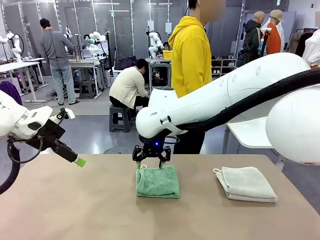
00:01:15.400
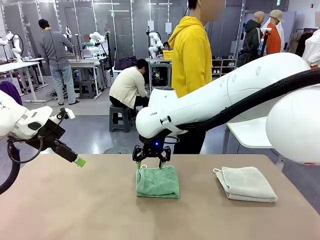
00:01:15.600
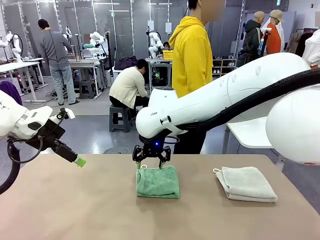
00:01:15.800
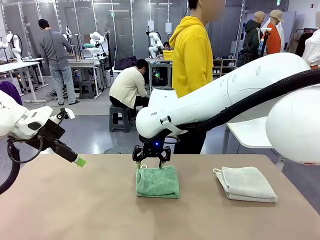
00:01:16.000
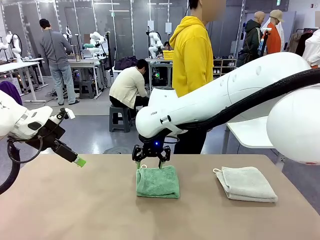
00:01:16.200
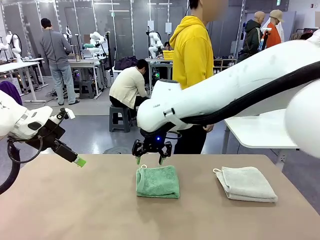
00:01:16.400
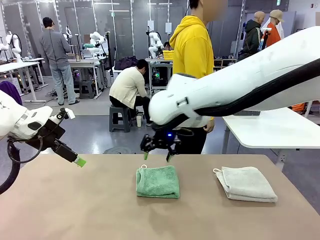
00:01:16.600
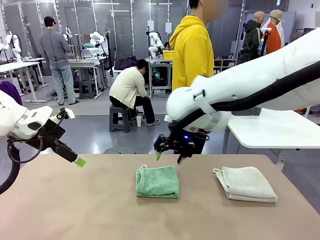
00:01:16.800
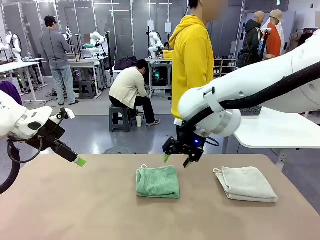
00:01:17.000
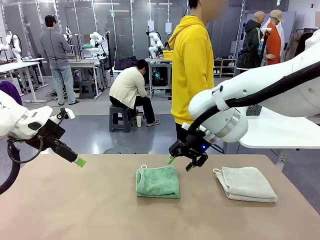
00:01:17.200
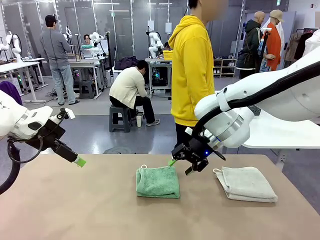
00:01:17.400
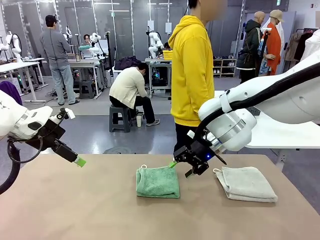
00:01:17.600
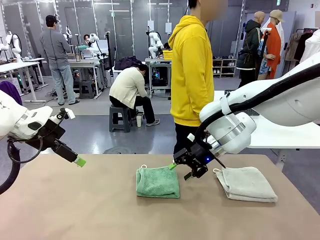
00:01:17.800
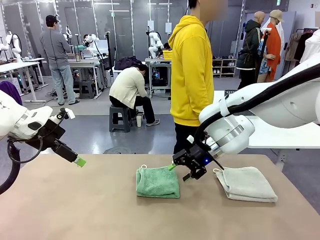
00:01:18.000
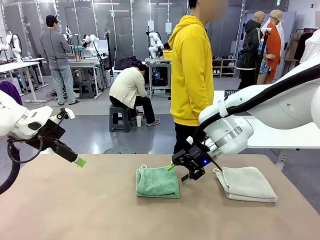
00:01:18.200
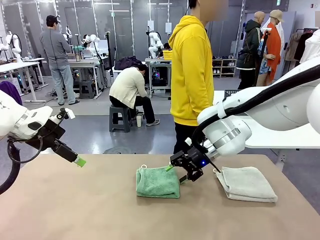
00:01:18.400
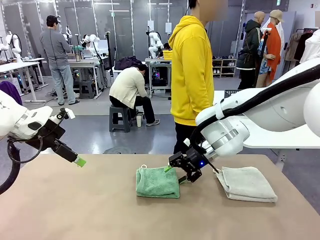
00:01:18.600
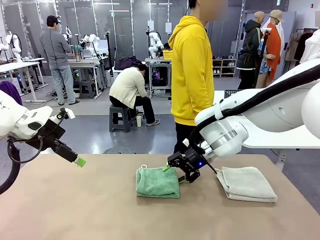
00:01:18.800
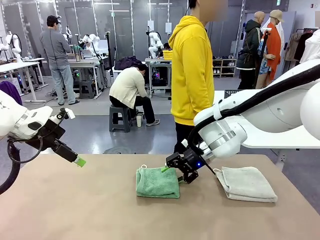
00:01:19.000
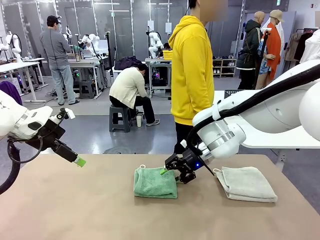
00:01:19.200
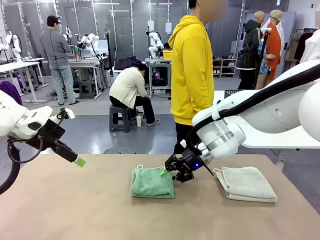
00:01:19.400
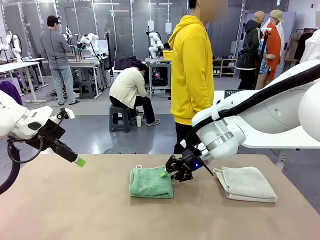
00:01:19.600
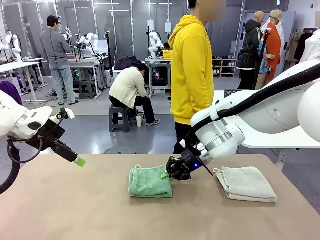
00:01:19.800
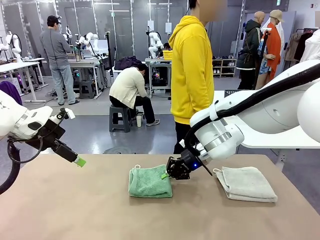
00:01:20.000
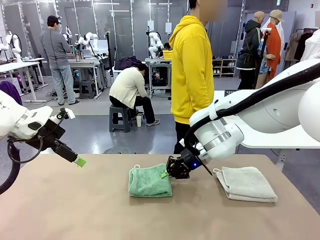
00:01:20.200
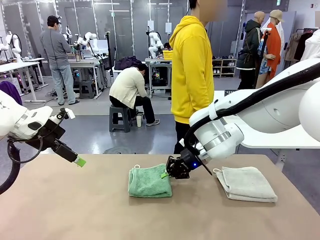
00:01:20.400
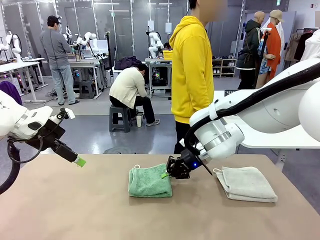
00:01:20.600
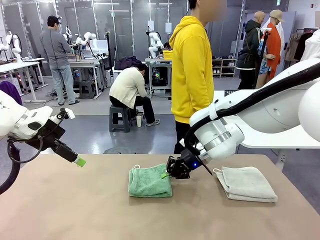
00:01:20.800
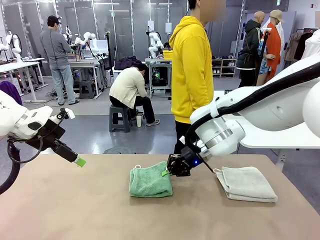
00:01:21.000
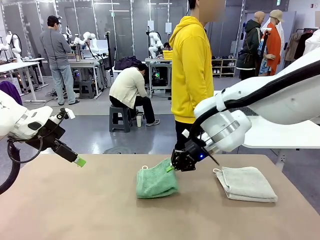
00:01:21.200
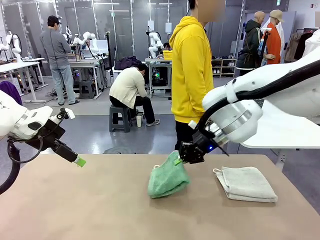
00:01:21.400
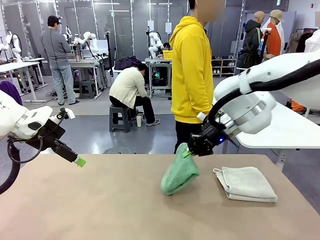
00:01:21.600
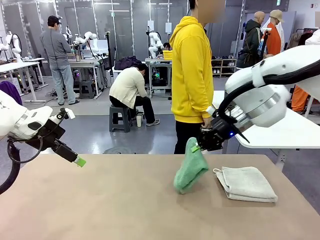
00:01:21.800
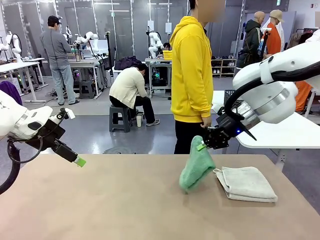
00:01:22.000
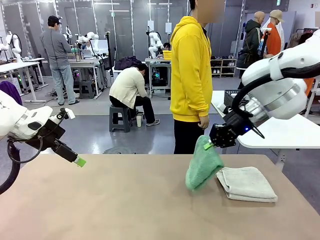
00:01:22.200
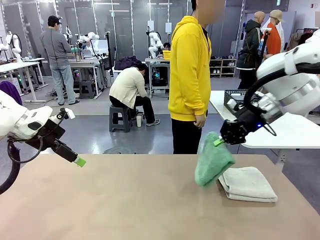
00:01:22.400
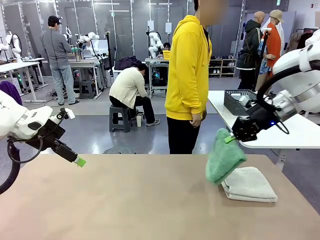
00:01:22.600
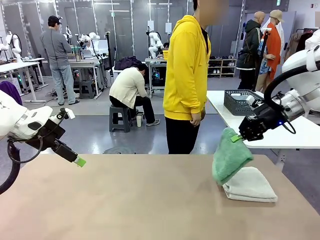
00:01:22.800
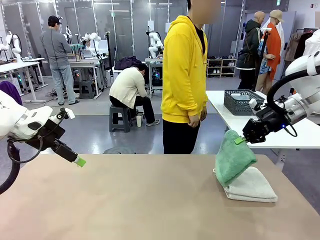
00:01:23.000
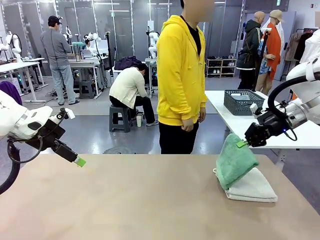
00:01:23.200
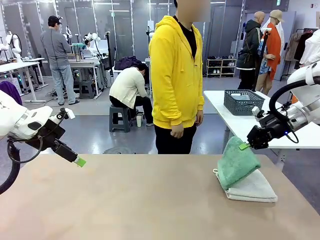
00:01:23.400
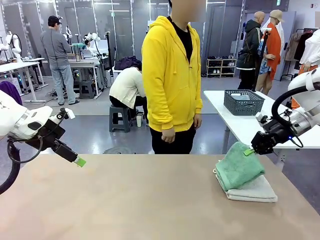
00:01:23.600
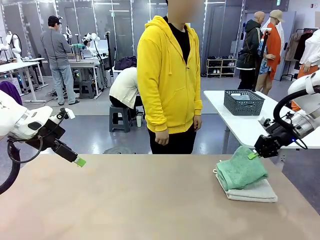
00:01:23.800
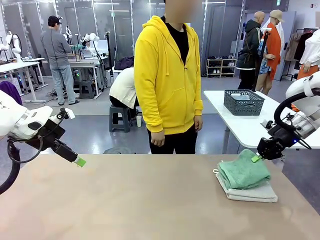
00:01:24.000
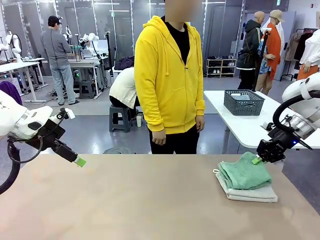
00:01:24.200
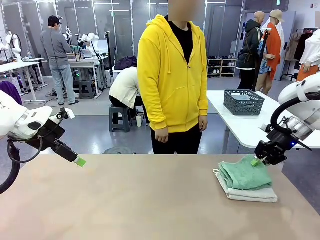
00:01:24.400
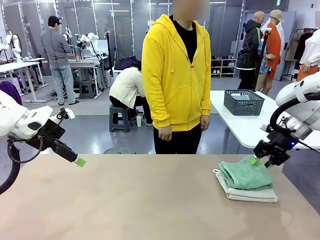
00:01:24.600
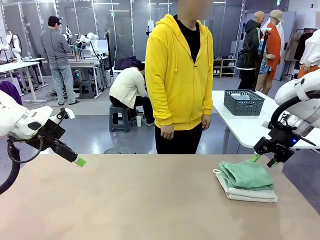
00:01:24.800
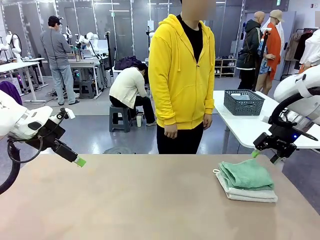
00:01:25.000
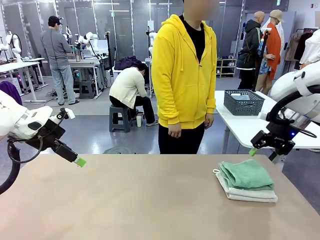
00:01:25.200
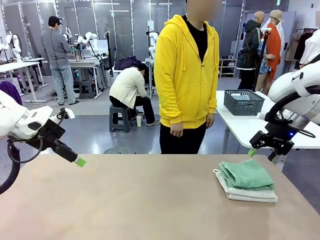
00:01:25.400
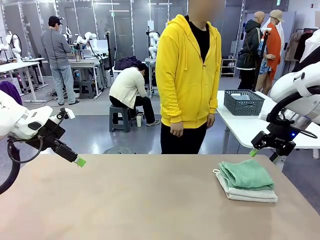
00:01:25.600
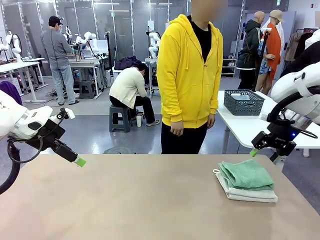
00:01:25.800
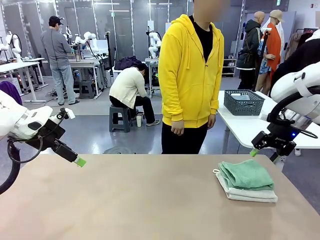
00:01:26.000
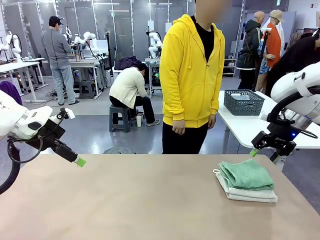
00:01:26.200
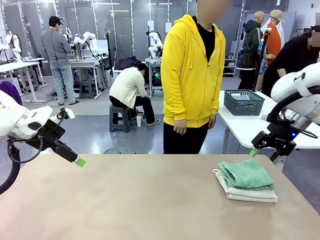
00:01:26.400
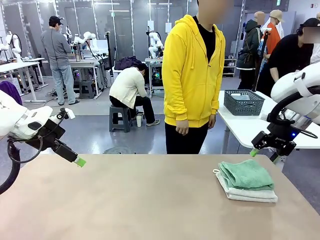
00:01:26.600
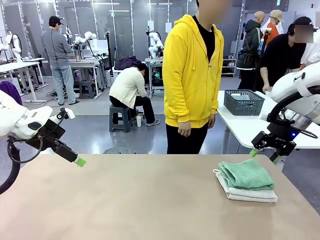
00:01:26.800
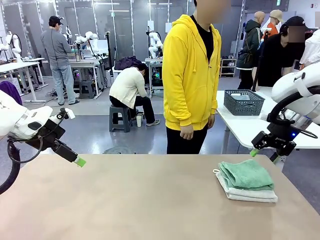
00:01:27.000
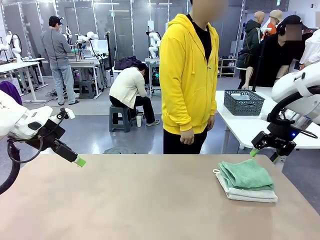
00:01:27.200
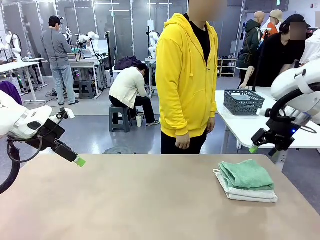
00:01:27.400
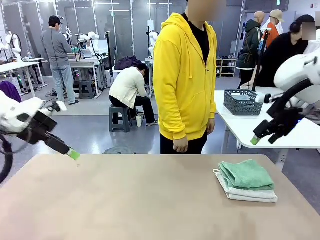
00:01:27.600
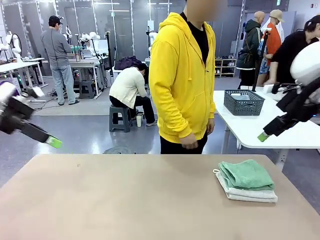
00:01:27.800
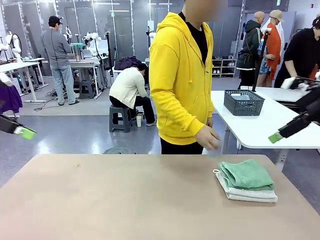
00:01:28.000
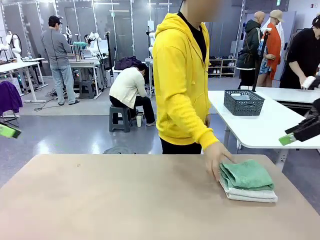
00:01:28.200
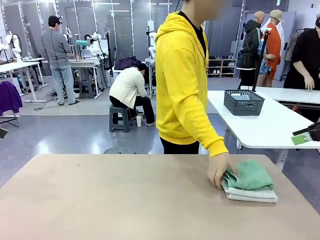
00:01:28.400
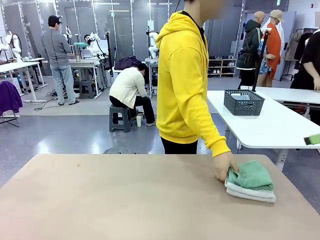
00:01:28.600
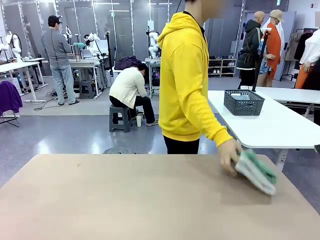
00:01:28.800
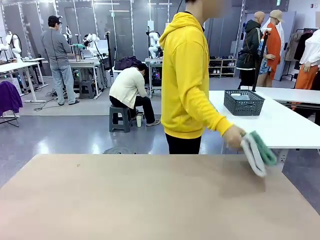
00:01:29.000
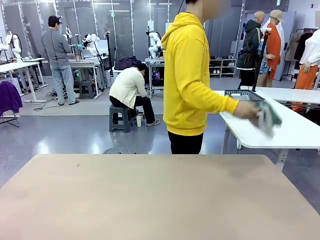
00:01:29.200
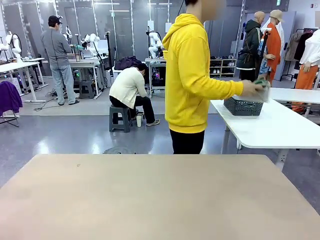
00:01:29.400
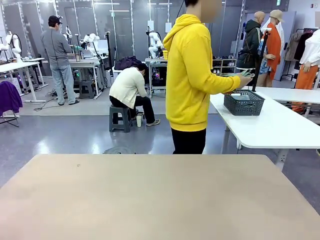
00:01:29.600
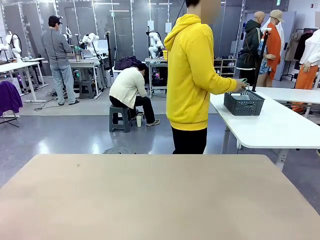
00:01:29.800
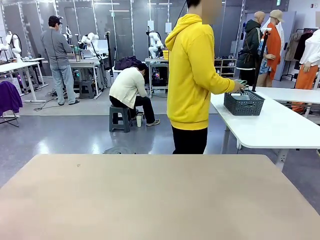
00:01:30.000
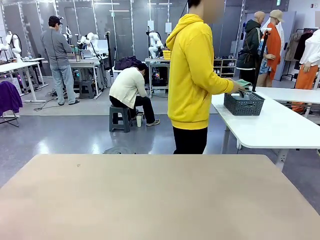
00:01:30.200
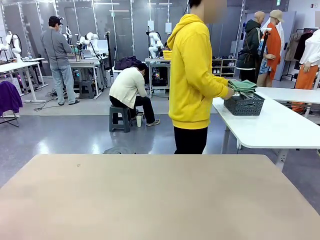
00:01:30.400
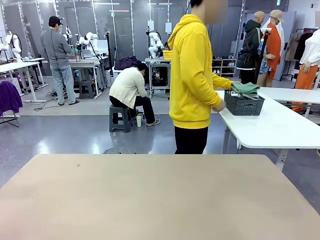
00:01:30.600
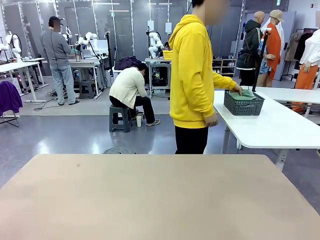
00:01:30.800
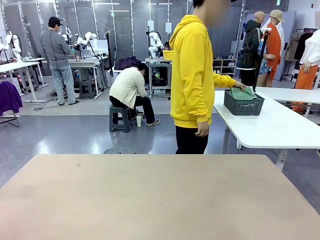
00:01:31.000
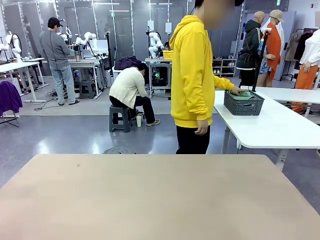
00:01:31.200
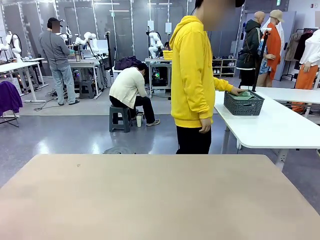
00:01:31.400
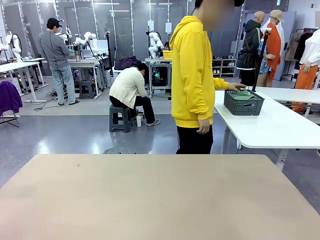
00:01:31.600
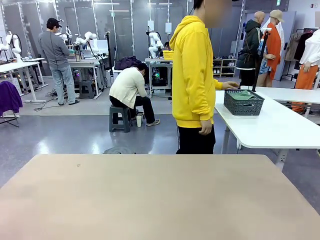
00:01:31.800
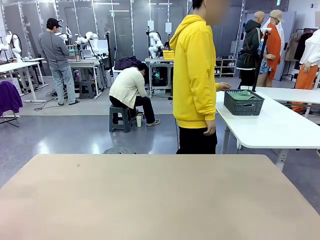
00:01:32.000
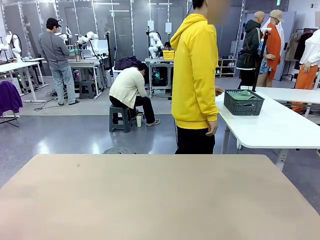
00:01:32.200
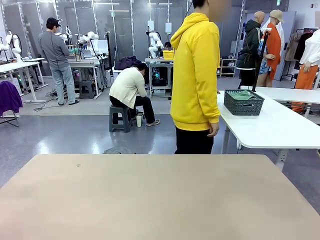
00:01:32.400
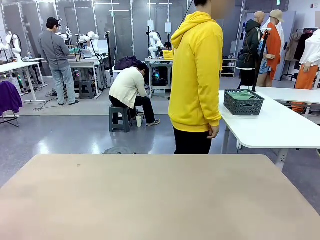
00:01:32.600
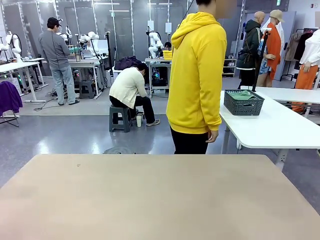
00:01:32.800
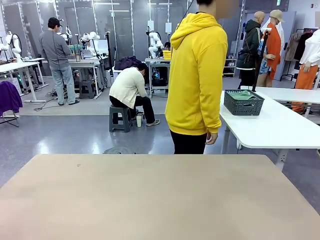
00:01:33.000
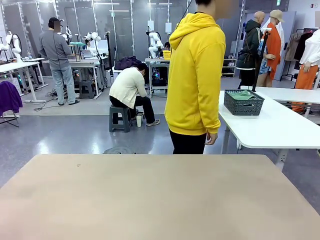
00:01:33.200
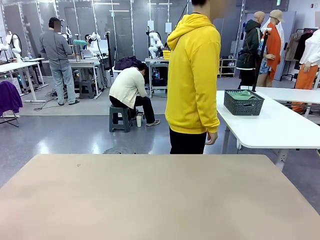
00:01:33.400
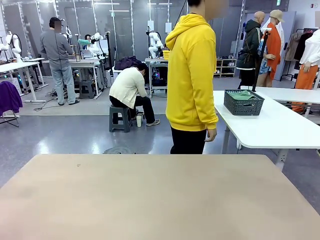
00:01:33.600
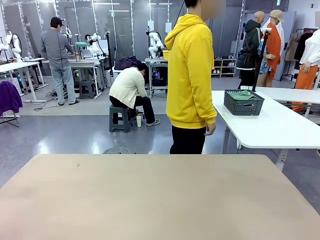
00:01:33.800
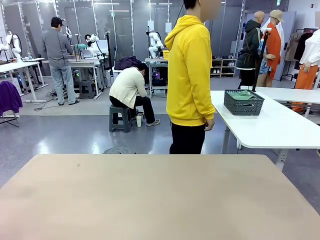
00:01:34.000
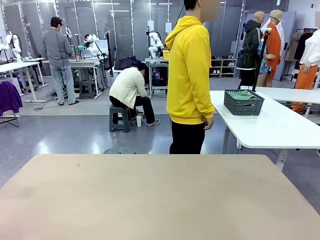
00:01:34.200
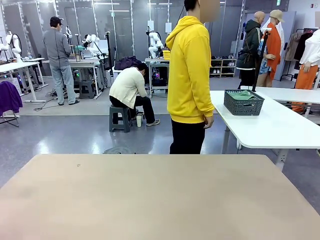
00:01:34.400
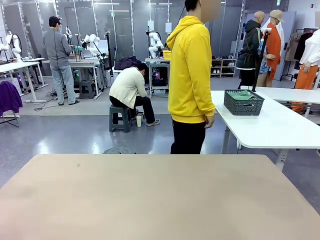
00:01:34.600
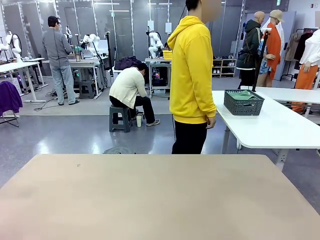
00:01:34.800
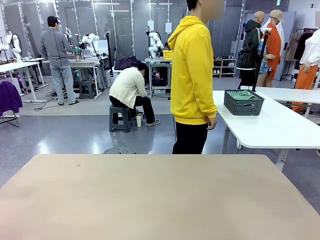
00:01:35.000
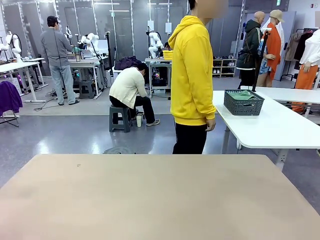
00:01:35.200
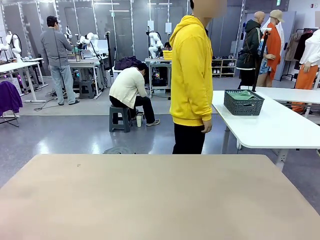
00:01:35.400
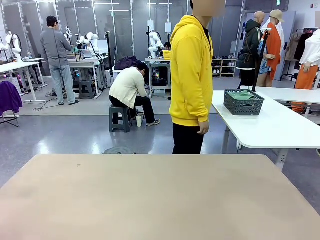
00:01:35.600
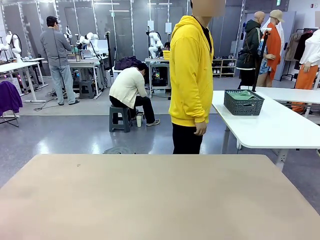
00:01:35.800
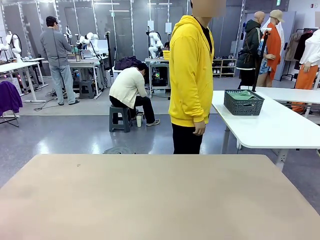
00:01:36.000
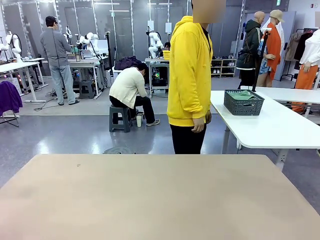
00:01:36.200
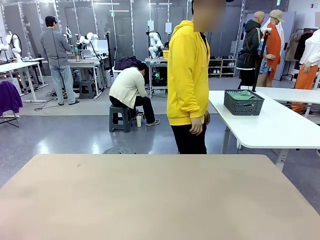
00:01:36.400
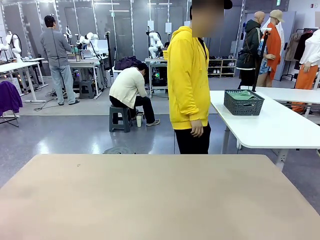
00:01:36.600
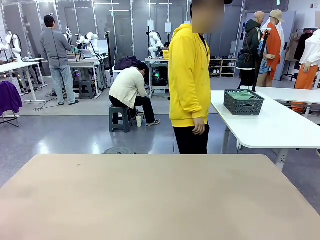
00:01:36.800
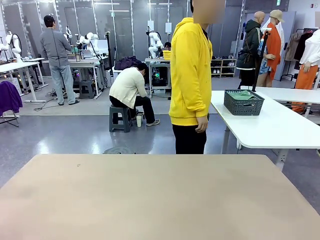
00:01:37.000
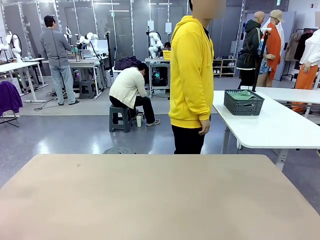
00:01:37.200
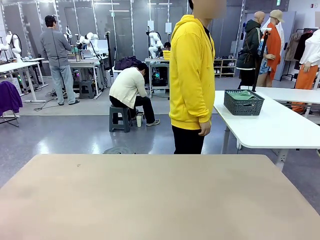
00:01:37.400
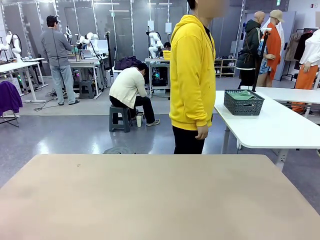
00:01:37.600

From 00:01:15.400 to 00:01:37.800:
Task: Fold the towels and place them in the basket.
Robot: Stack the folded Towel with hook on the right side of the table.
Person: Pick up the stack of towels from the robot table and place it into the basket.
